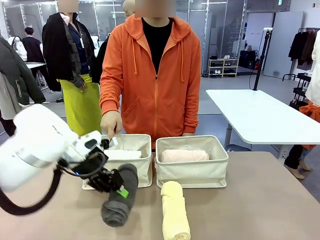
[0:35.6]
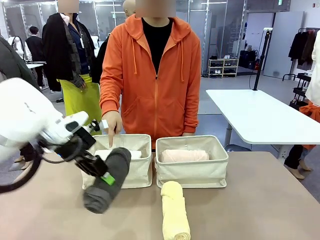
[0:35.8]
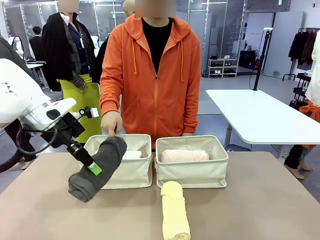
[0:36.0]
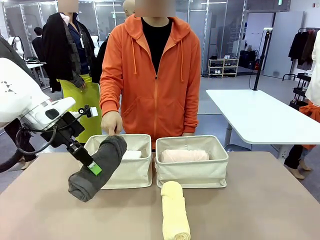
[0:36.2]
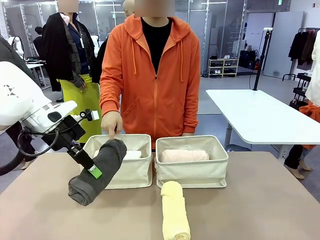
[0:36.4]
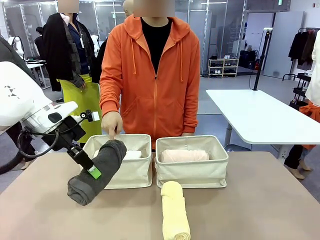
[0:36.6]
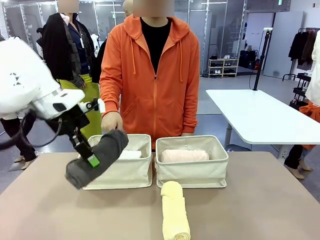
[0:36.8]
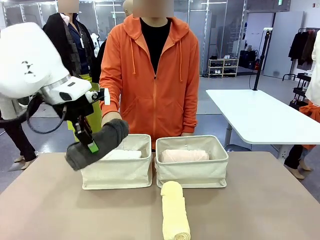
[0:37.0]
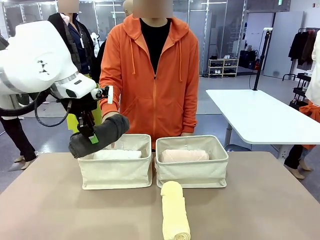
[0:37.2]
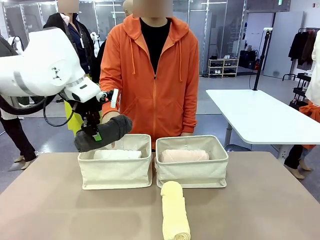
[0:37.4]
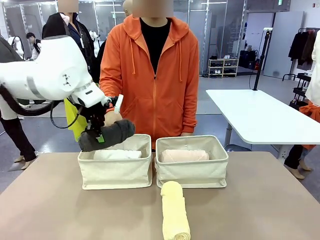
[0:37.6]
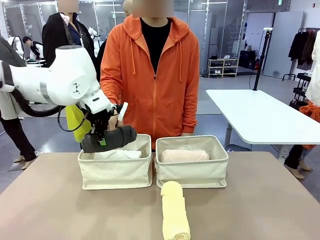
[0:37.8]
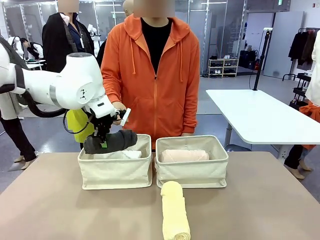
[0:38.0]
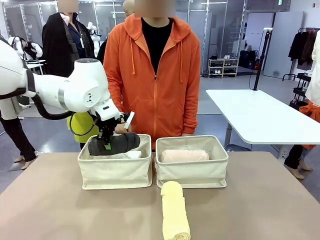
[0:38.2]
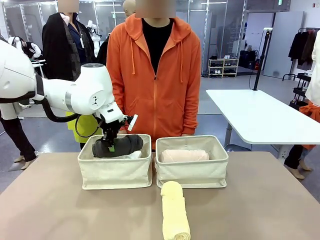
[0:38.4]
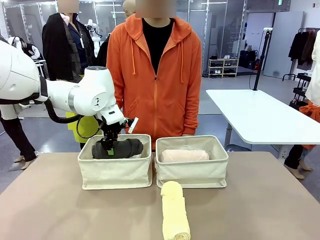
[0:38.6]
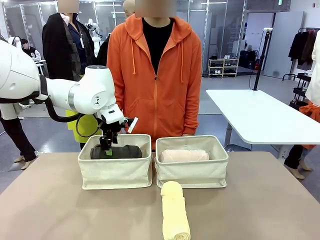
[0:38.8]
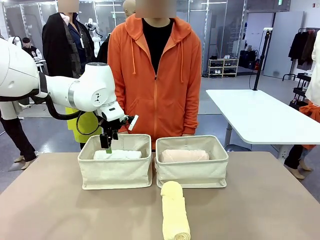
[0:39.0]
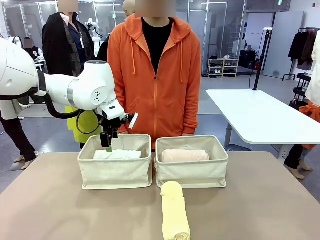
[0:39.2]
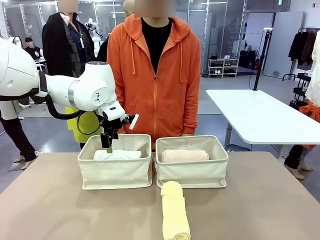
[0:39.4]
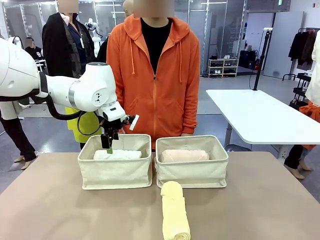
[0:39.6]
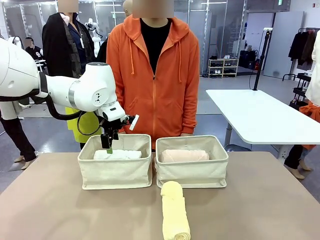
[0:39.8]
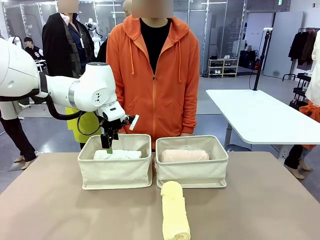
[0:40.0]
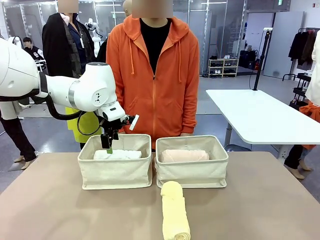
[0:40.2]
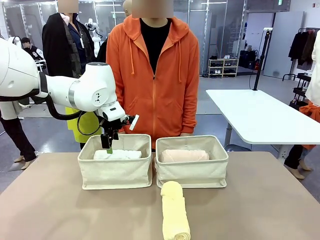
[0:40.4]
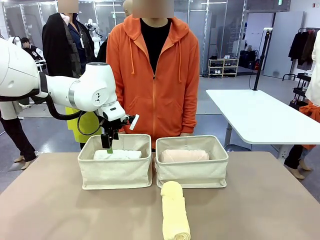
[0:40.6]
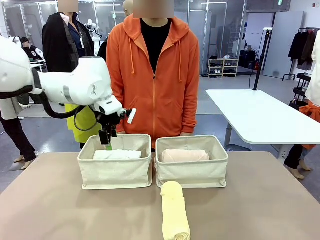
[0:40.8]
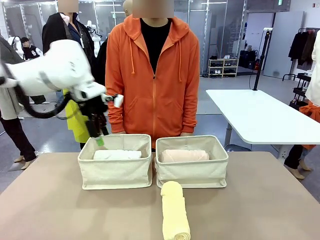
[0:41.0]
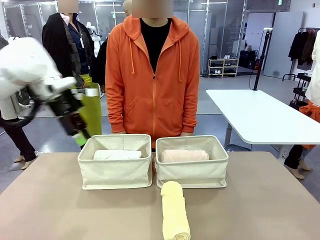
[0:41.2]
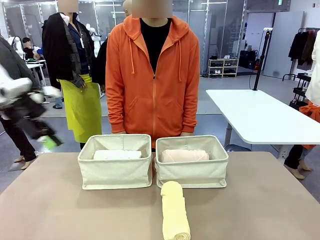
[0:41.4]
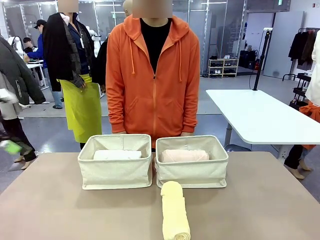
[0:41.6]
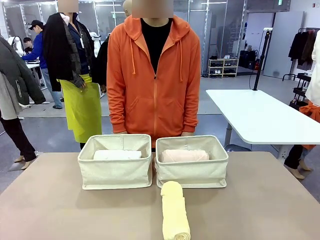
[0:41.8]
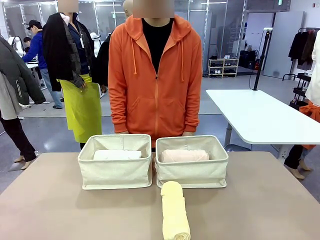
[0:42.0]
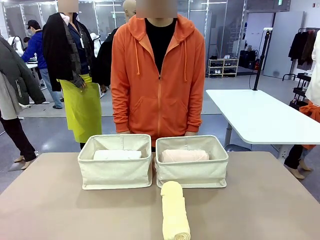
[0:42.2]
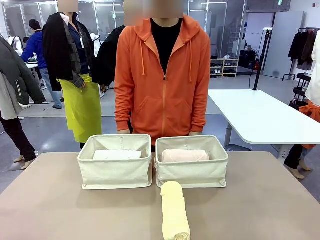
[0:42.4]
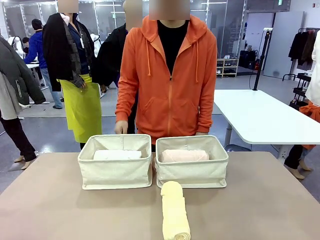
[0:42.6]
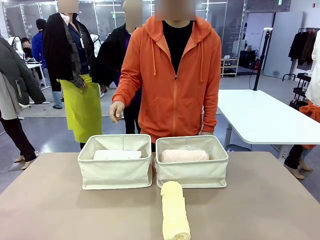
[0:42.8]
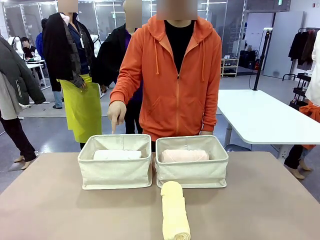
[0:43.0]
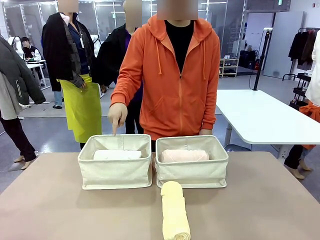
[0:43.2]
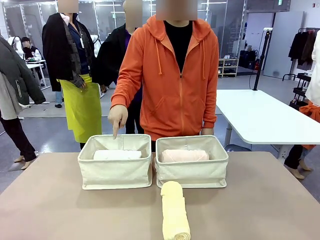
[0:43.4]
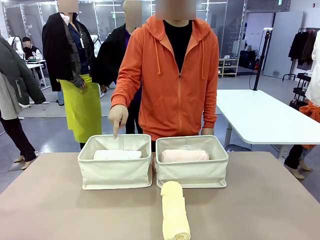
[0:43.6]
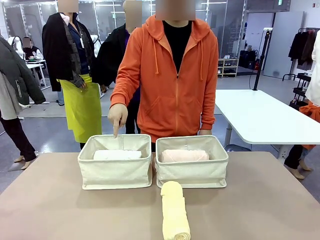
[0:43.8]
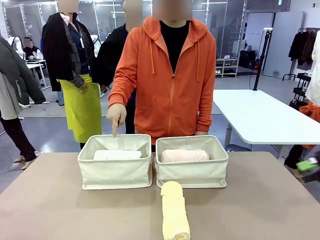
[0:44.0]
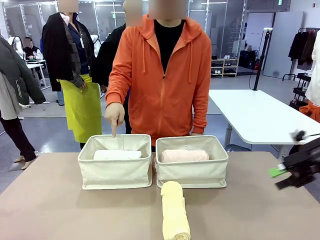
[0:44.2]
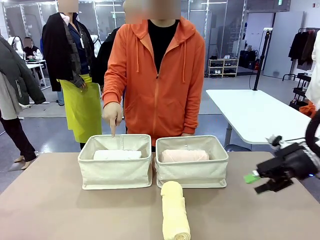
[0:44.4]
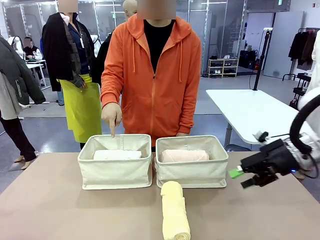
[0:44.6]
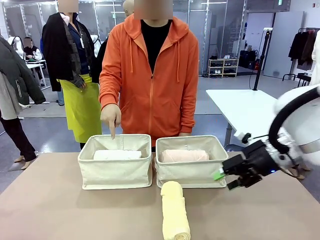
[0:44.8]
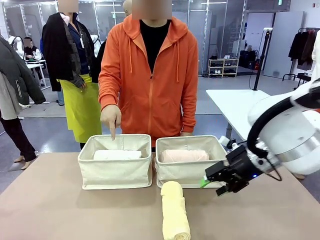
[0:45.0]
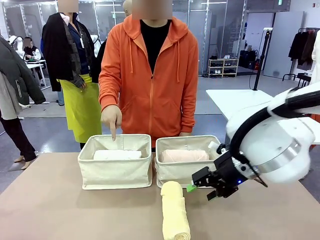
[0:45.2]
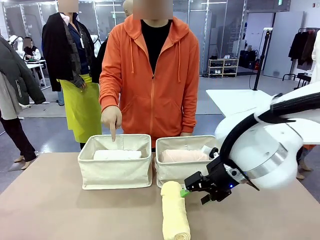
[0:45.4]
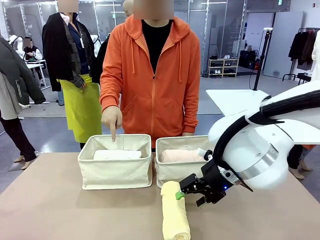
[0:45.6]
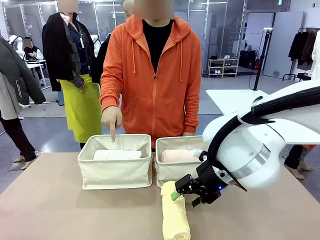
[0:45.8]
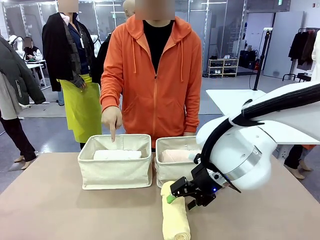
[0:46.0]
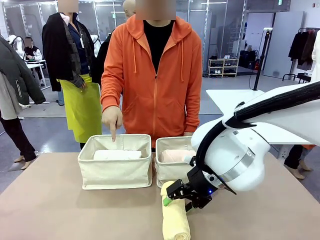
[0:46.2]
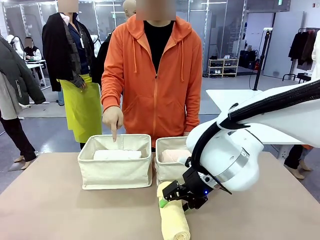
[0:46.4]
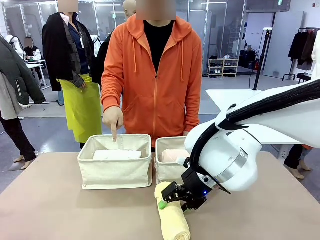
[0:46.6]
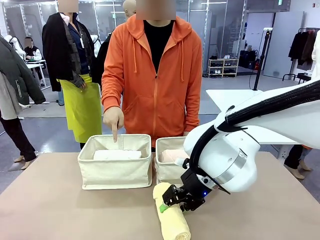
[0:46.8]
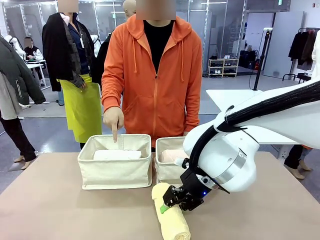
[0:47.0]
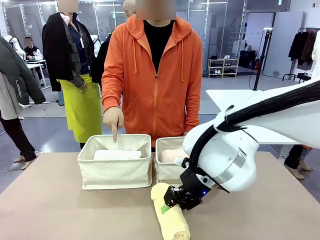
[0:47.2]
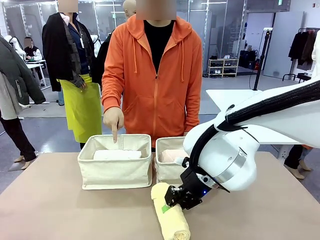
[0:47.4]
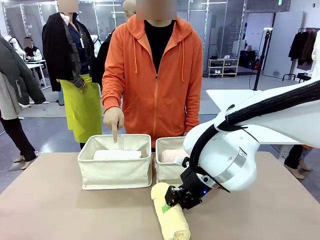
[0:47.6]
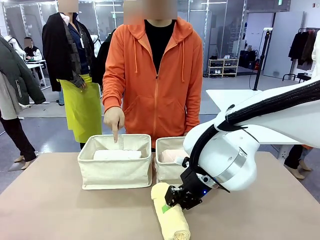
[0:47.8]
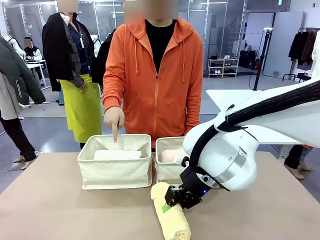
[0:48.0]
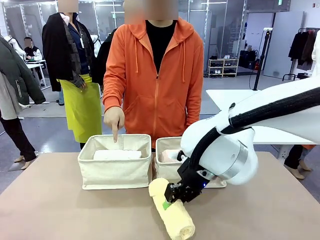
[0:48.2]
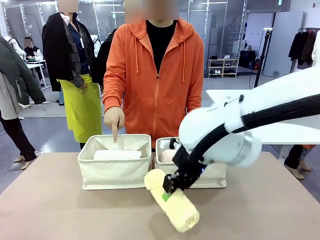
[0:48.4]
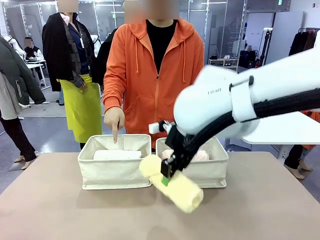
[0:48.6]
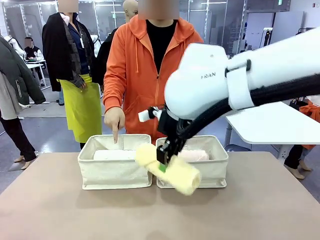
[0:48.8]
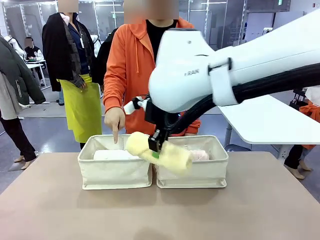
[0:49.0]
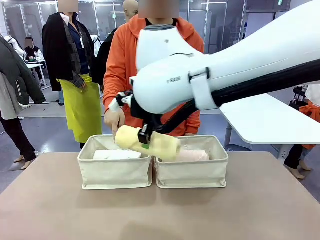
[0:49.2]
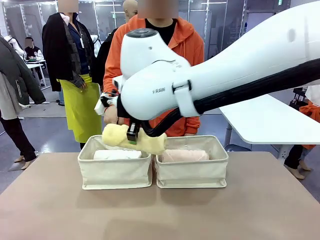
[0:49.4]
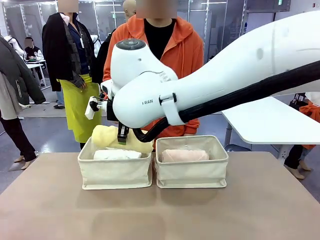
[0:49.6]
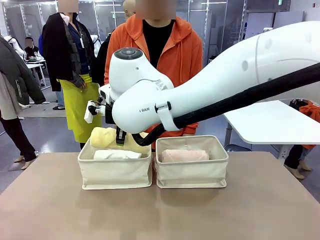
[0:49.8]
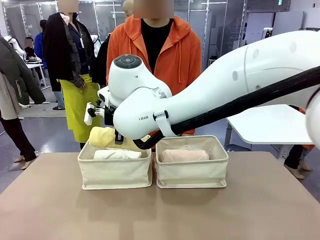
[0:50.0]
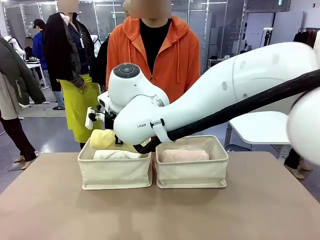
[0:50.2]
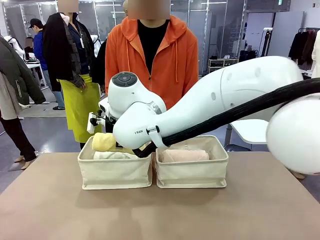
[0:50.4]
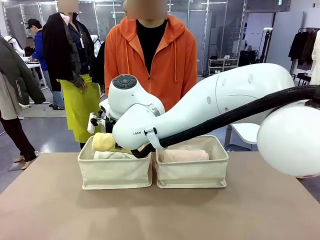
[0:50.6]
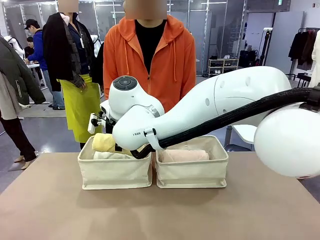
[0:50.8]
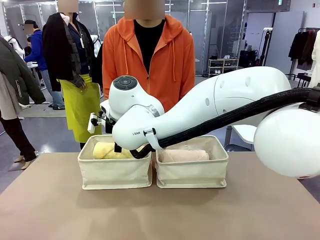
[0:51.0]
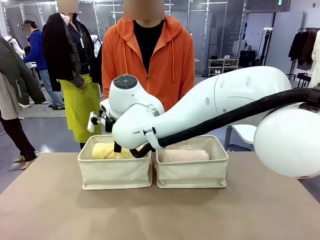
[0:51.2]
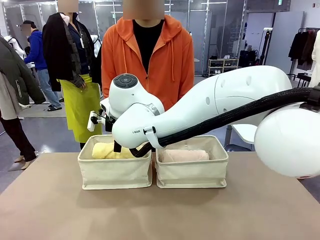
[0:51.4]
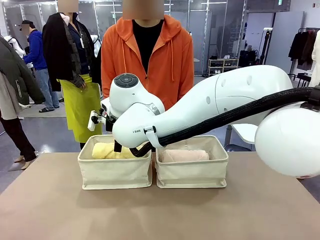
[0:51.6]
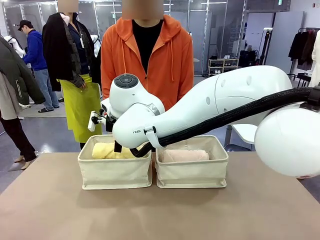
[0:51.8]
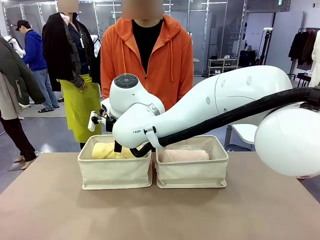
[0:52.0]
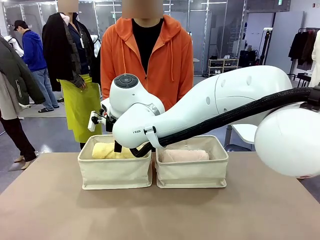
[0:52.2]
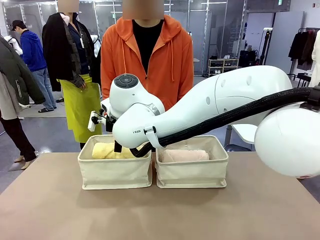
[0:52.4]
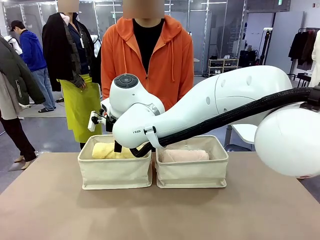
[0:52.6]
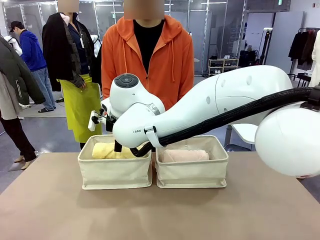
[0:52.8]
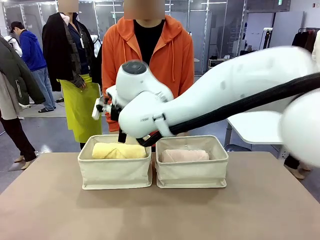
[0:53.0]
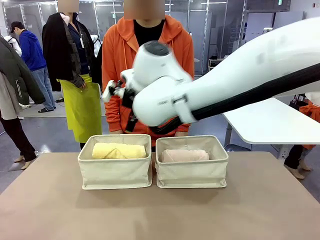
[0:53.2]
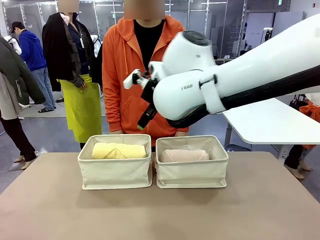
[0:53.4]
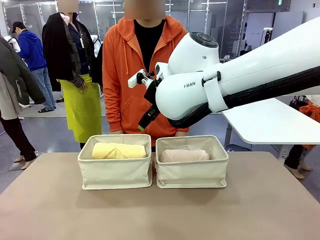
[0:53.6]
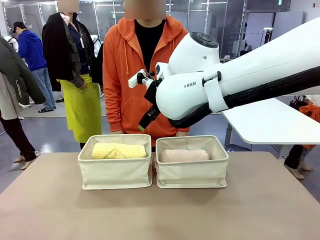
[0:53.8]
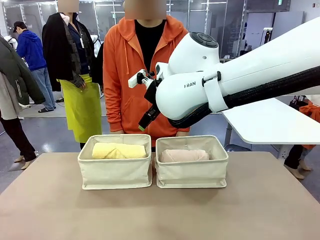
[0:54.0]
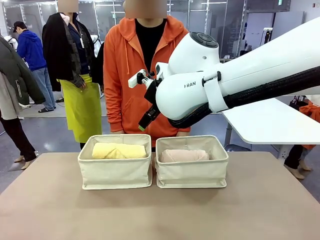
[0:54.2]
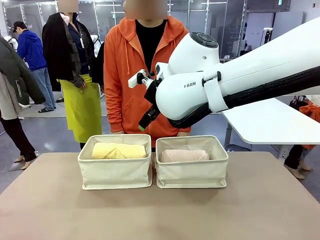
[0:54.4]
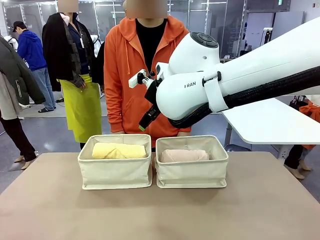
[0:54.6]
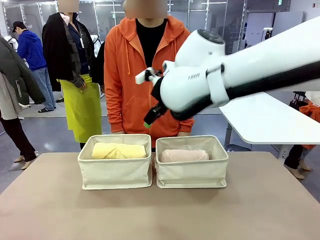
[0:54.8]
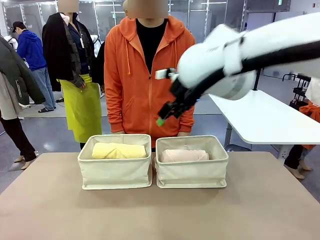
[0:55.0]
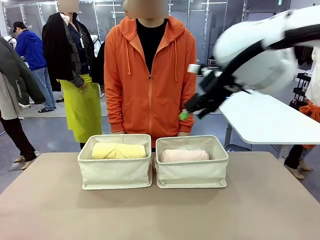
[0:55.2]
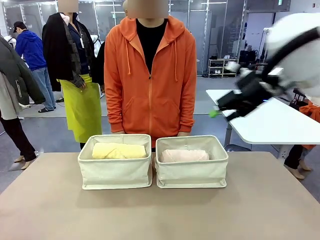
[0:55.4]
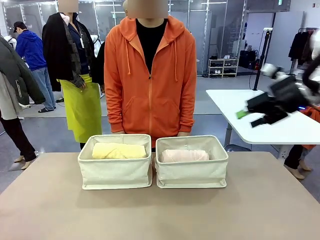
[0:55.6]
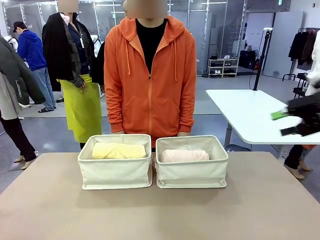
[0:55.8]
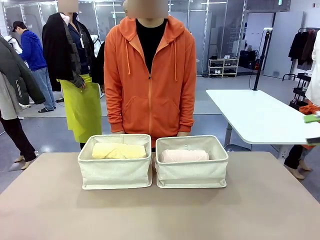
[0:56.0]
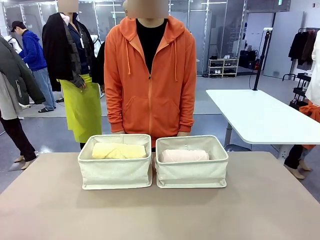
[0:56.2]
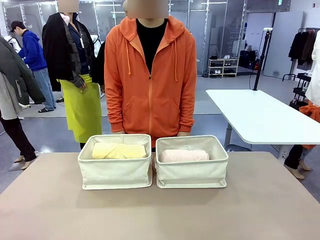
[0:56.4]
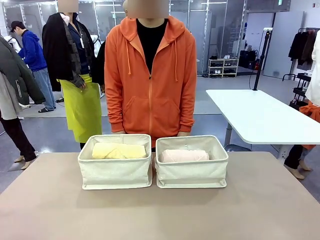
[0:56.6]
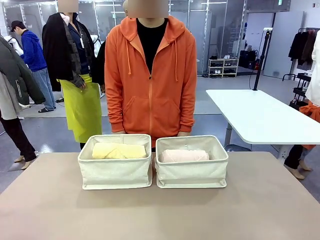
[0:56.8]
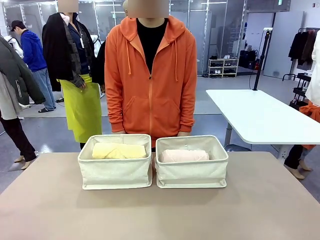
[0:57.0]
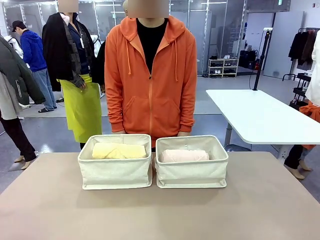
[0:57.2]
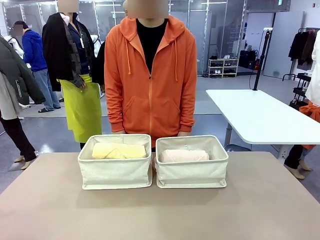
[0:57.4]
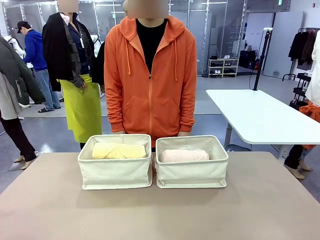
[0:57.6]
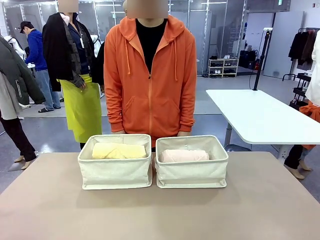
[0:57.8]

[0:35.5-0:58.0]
Task: Divide the towels into two baskets.
Robot: Pick up one hotel-folded towel from the bottom of the table and place it in the Fabric basket indicated by the person.
